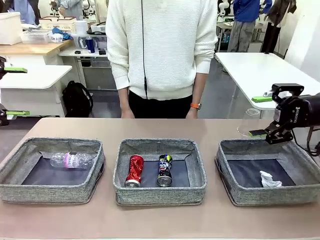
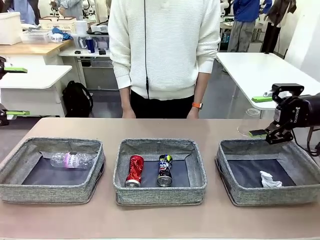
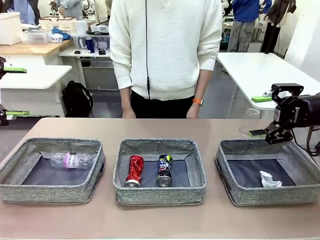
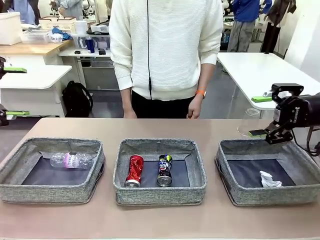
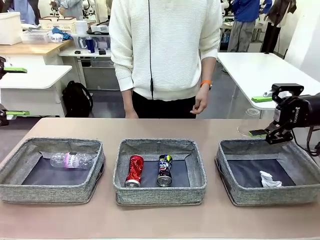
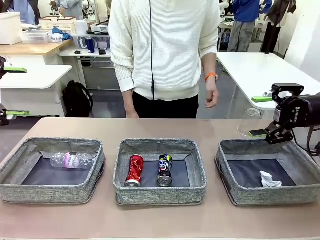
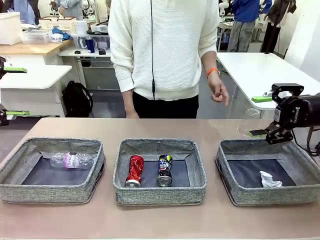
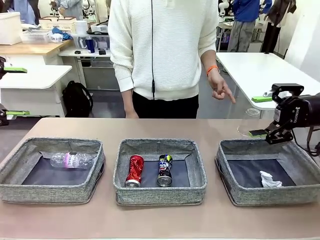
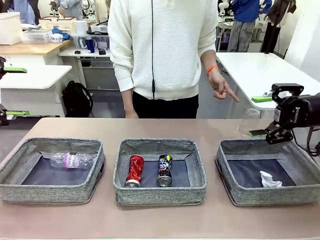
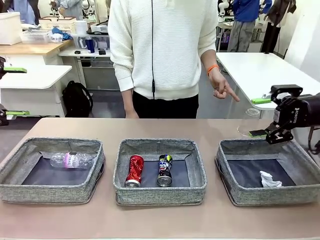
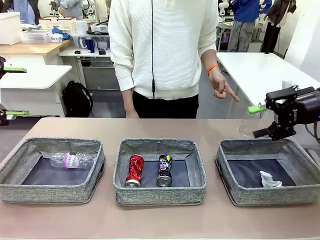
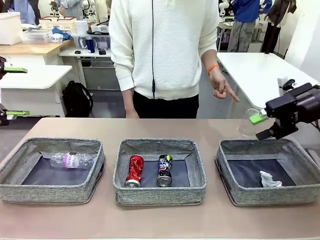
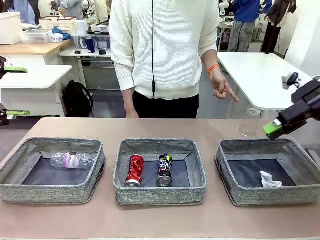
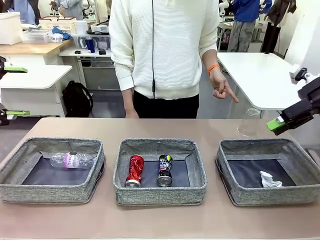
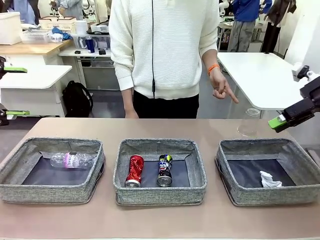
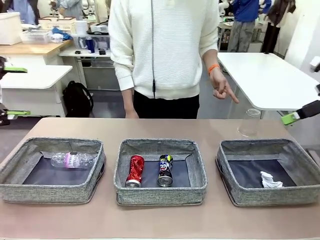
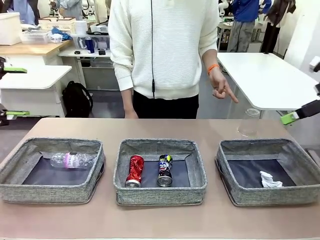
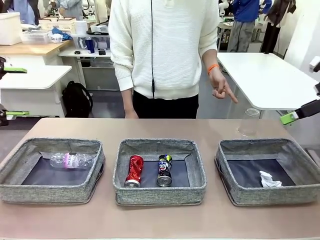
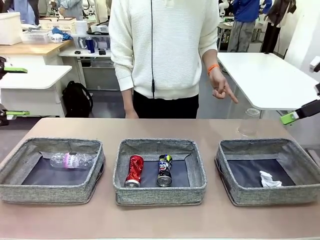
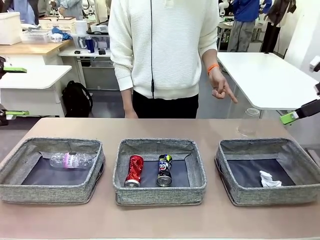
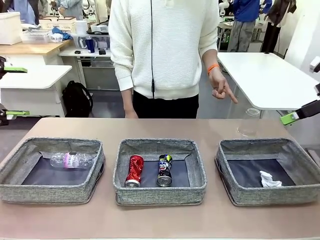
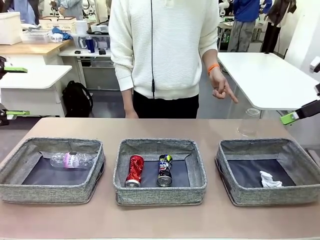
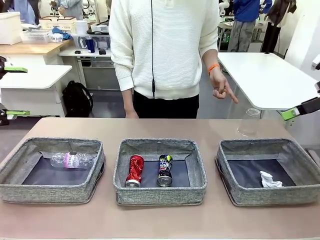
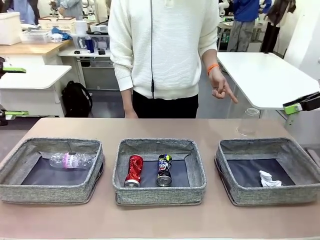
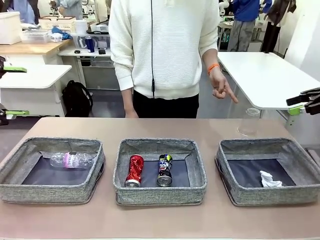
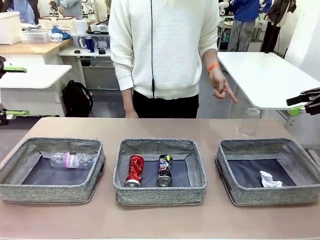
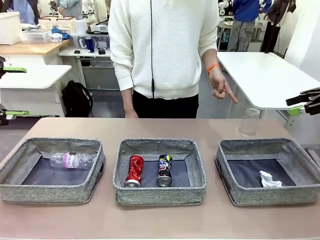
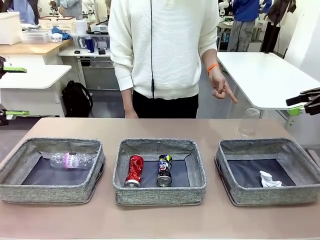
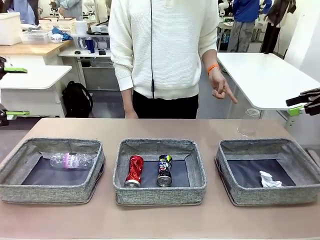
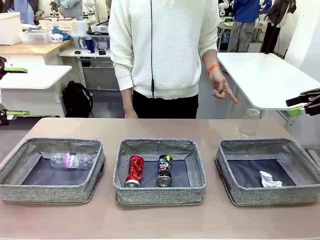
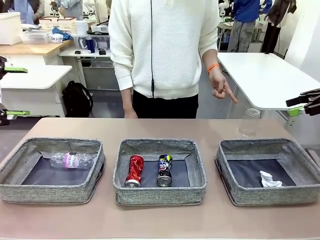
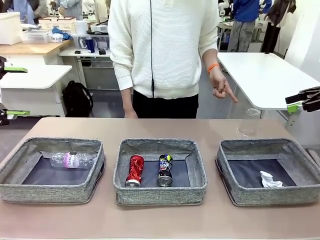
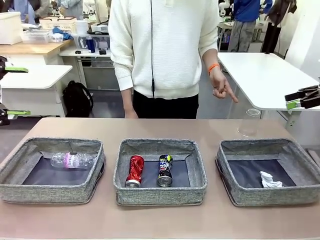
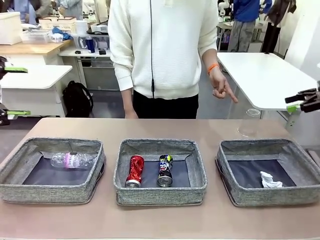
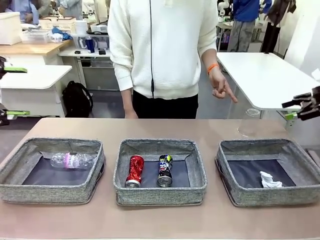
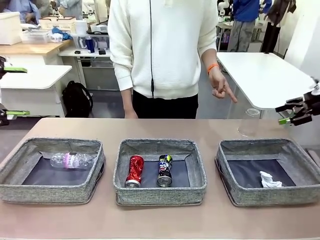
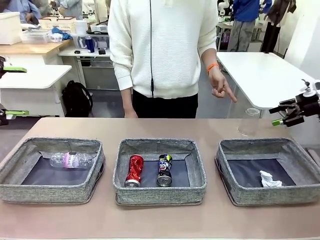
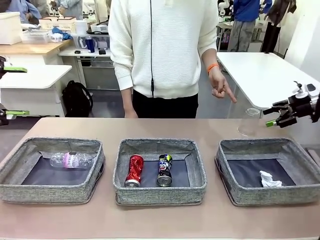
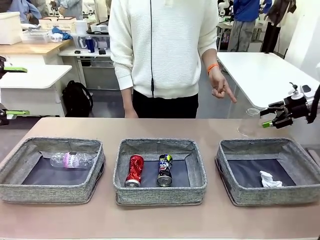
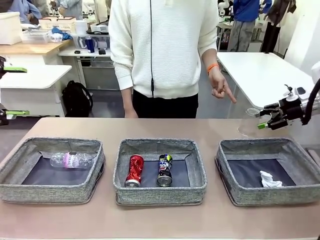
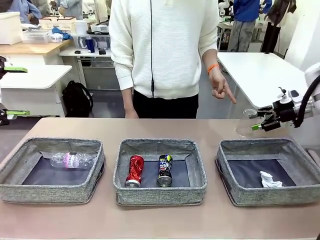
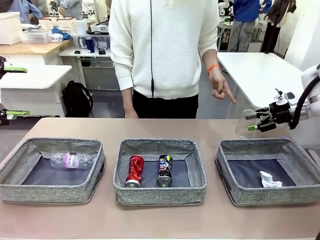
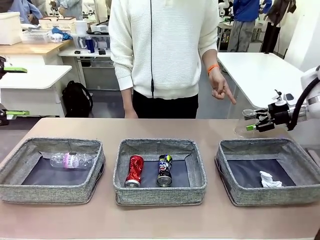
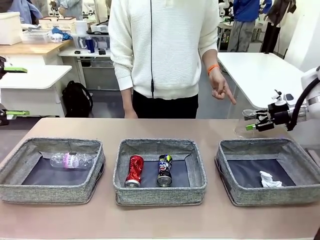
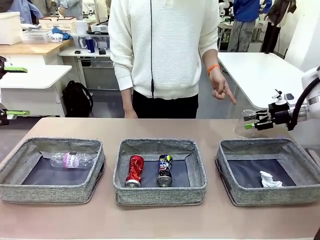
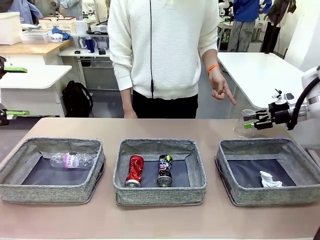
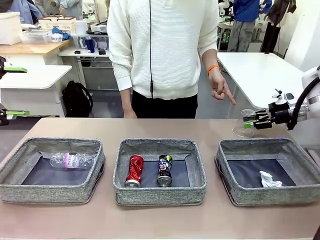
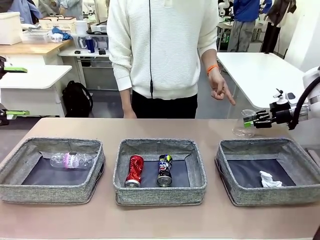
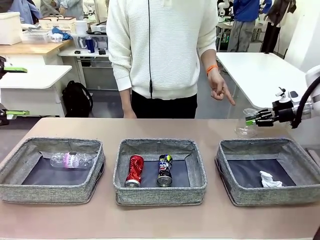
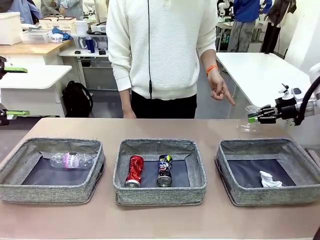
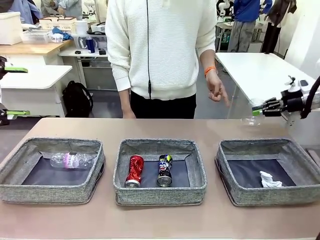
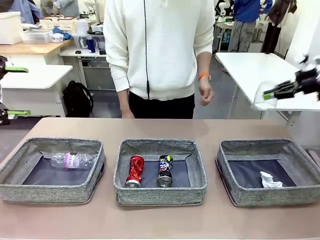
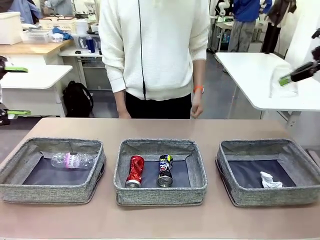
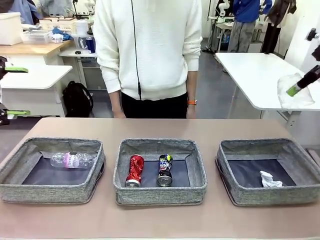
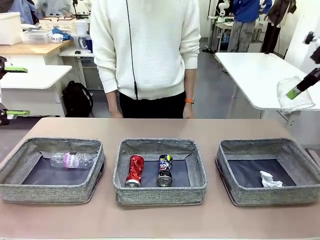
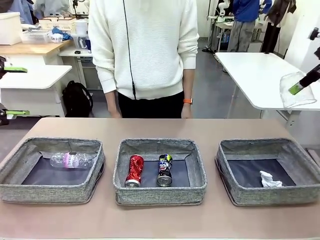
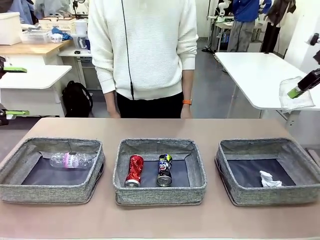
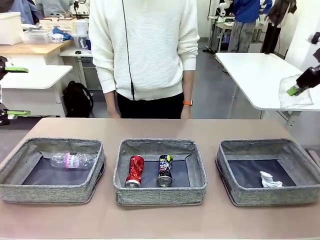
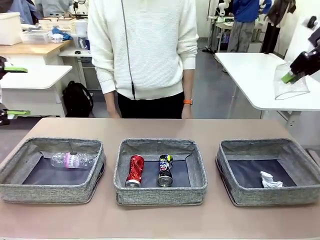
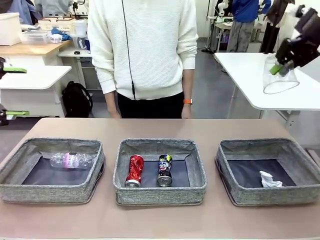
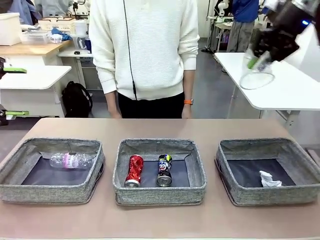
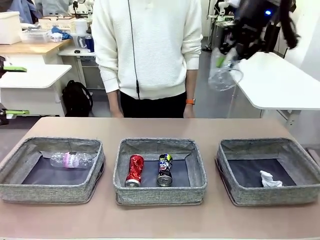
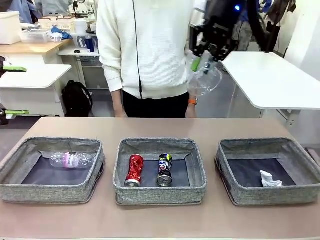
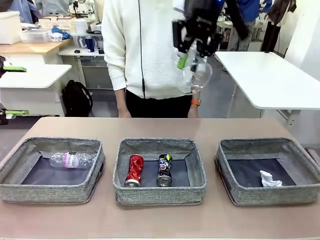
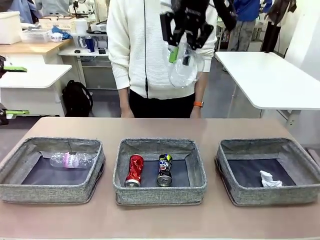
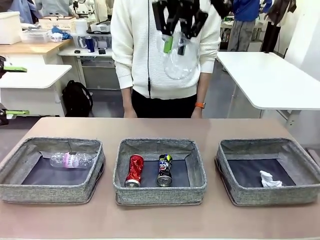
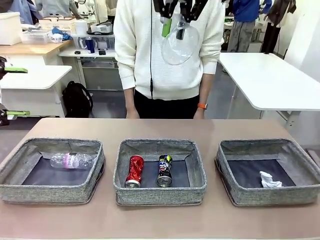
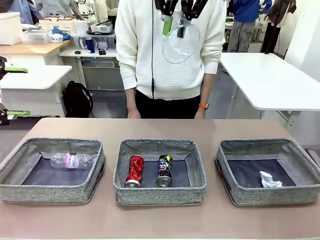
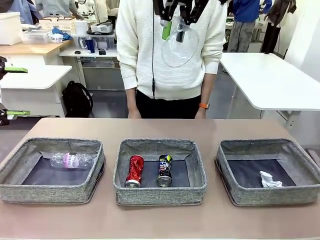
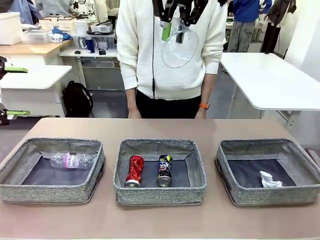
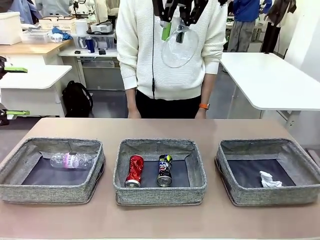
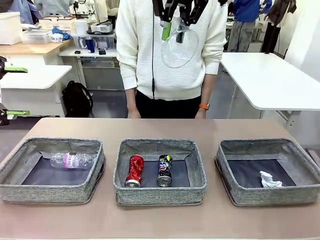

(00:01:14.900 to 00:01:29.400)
Task: Sort the waste into the appropriate baskets.
Robot: Pick up the waste item pointed out by the person.
Person: Points to one piece of trash on the table.

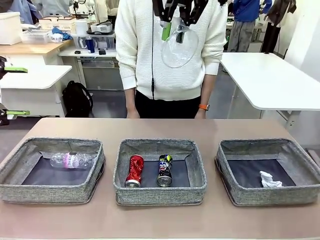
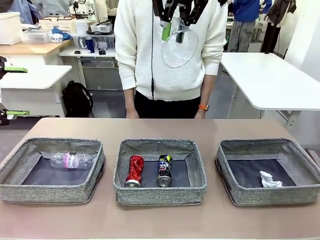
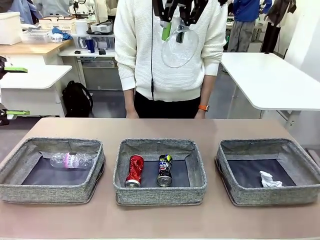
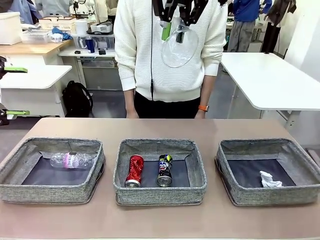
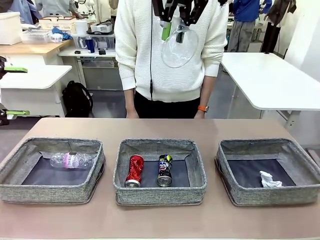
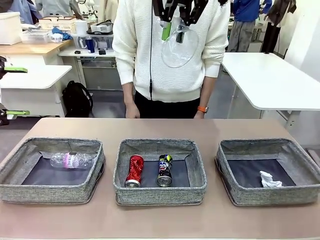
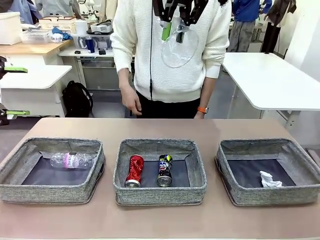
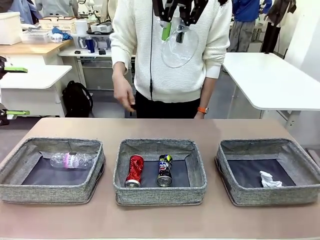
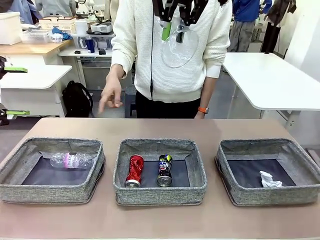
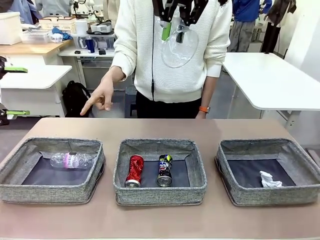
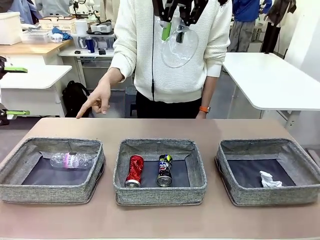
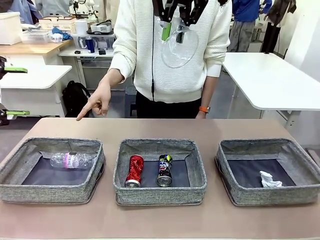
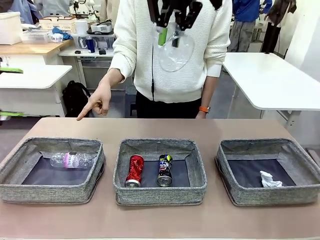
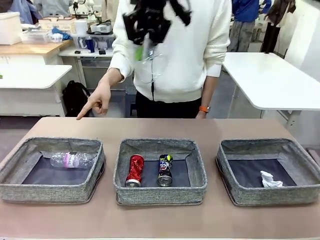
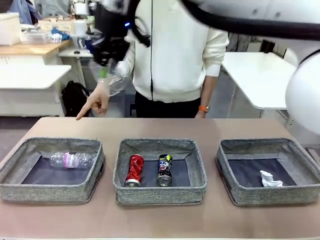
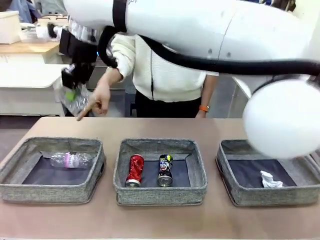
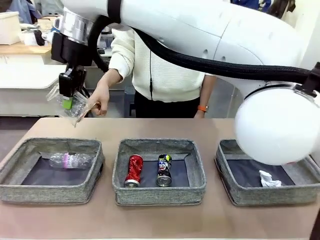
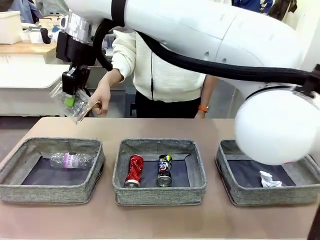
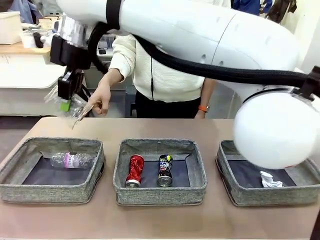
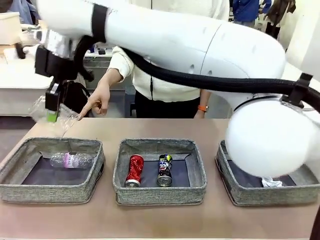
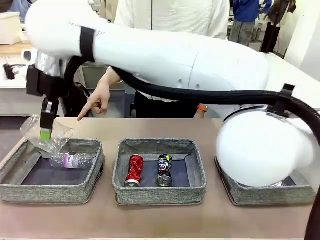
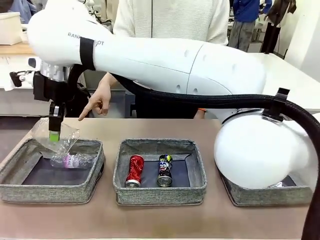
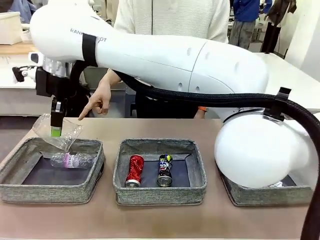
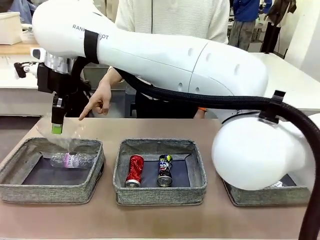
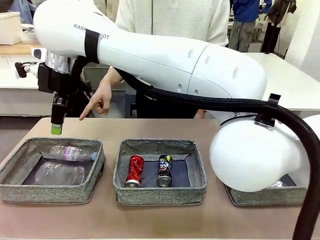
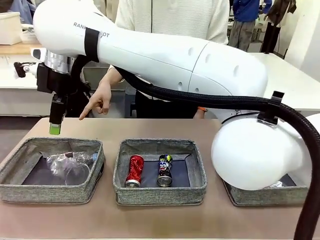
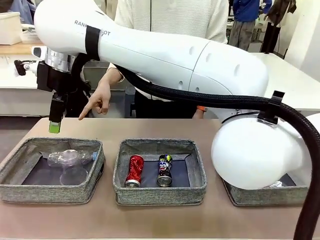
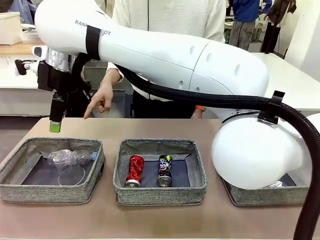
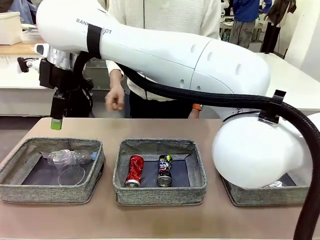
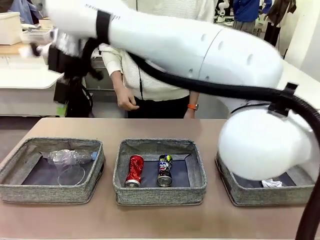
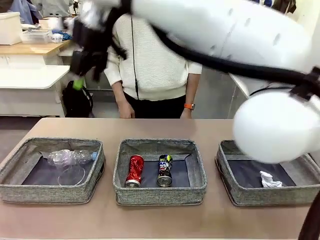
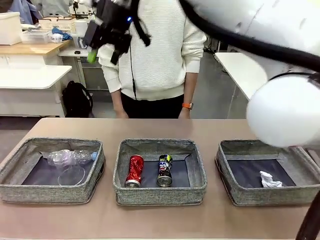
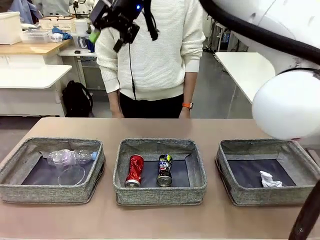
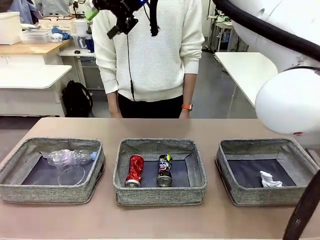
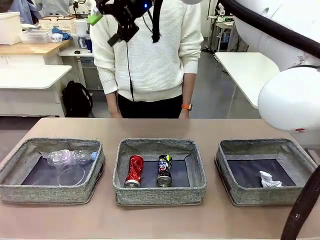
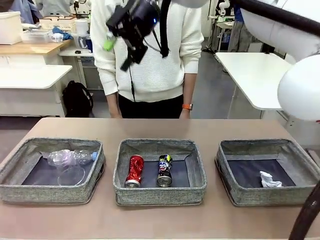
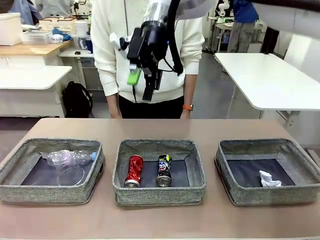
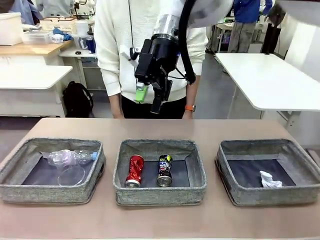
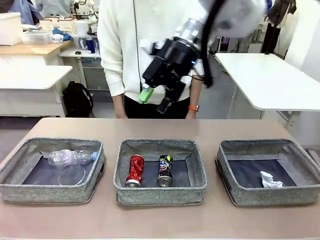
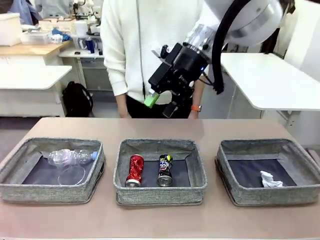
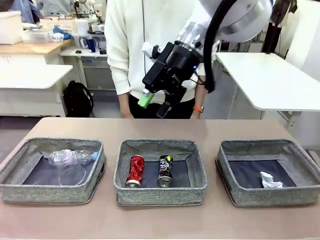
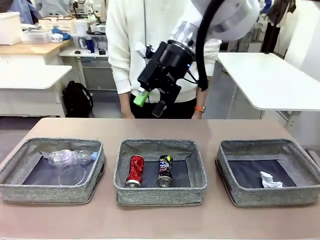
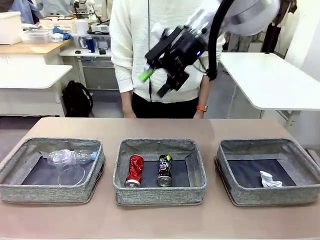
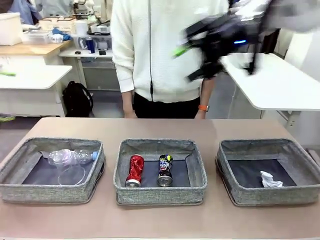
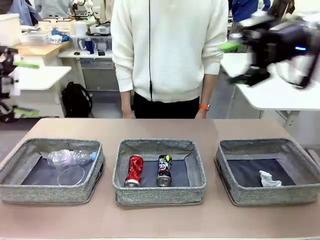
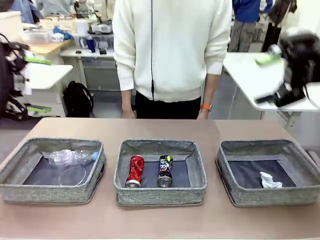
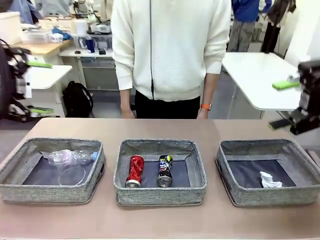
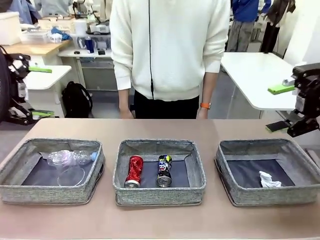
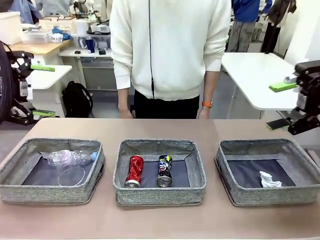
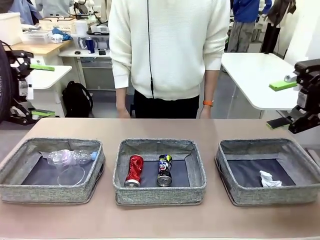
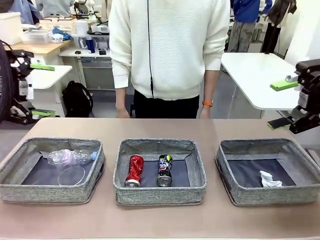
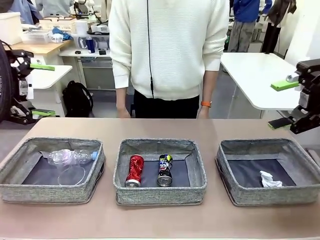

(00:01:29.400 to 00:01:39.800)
Robot: Place the picked waste into the Fabric basket indicated by the person.
Person: Instructs the robot to place the picked-up trash into the appropriate organizing basket.
